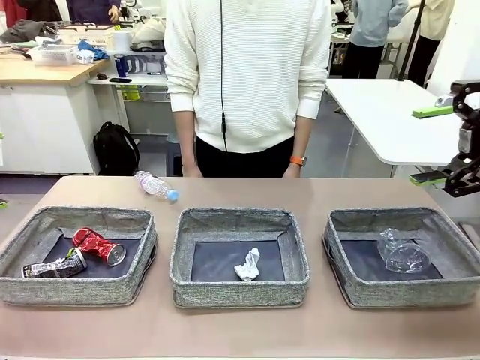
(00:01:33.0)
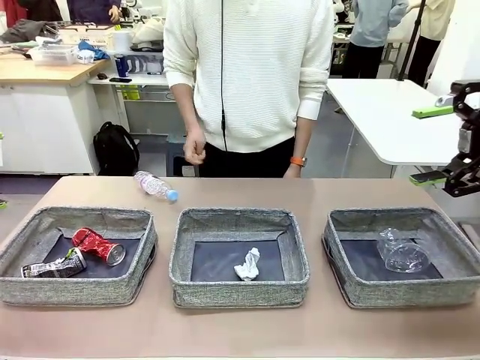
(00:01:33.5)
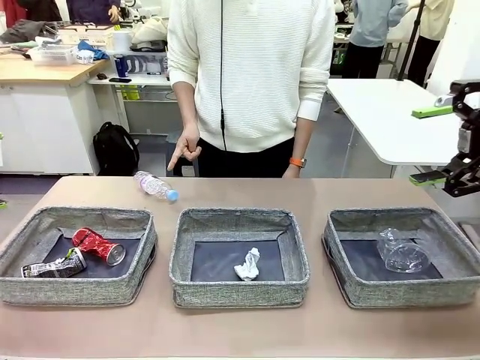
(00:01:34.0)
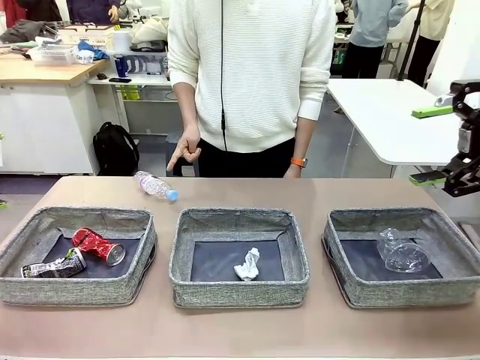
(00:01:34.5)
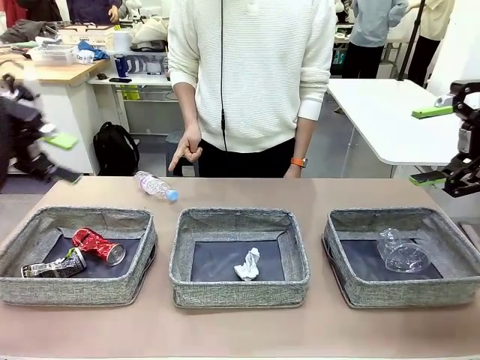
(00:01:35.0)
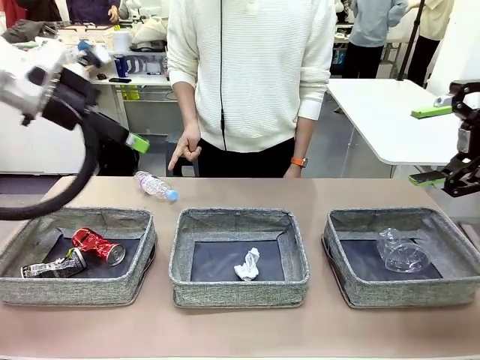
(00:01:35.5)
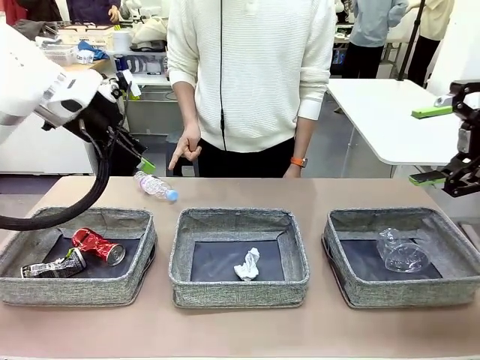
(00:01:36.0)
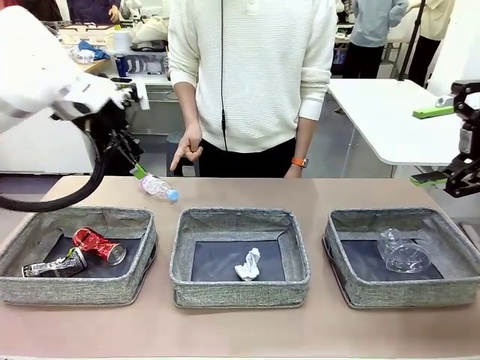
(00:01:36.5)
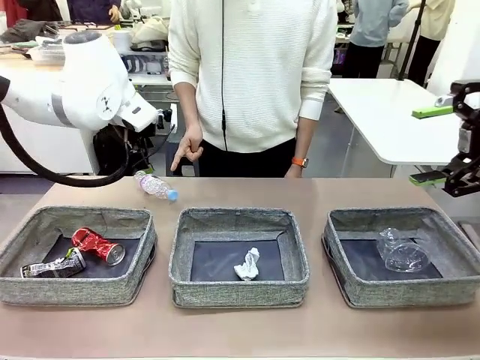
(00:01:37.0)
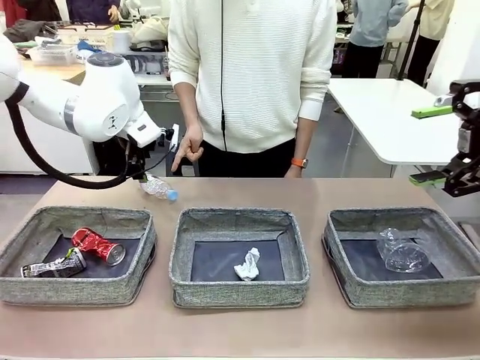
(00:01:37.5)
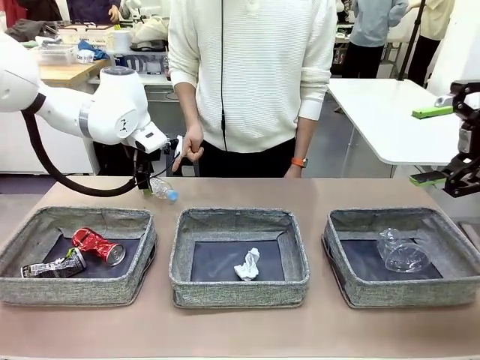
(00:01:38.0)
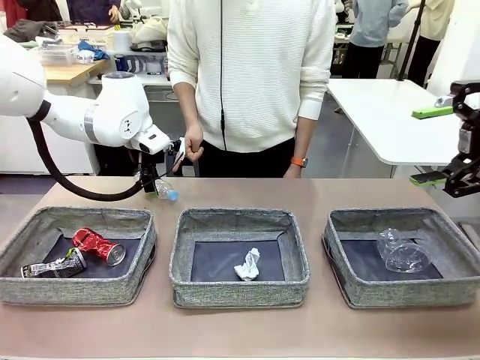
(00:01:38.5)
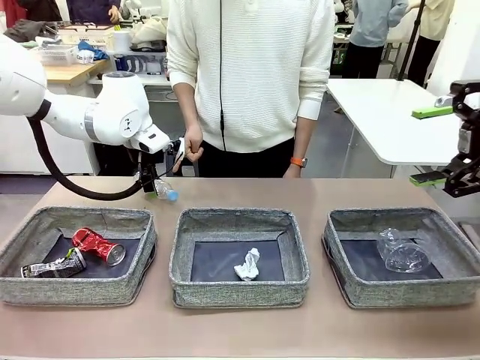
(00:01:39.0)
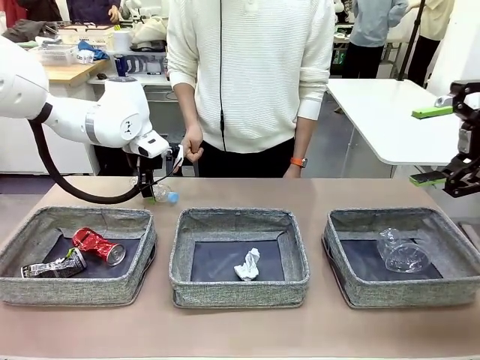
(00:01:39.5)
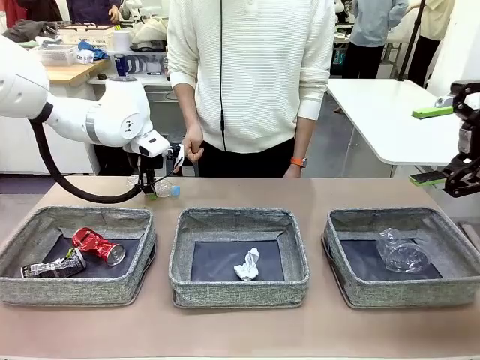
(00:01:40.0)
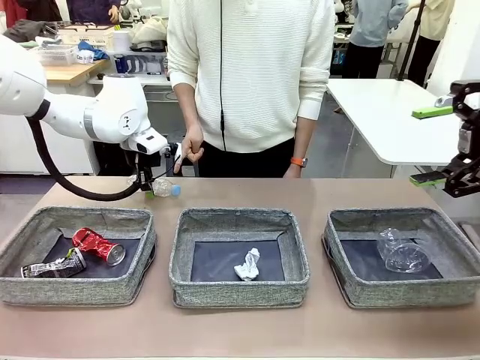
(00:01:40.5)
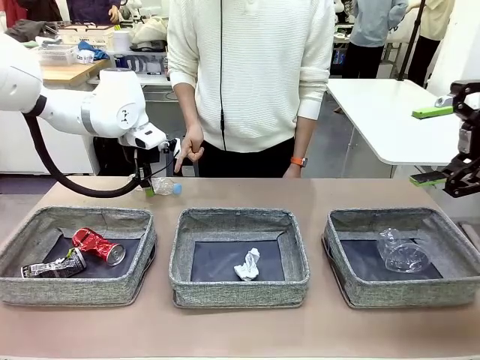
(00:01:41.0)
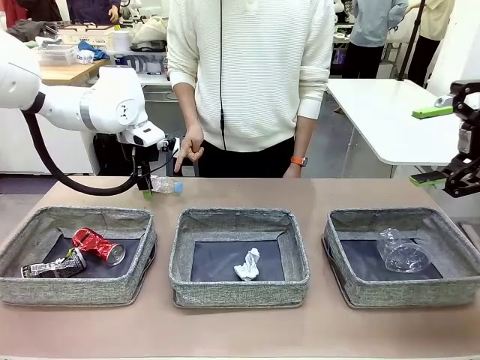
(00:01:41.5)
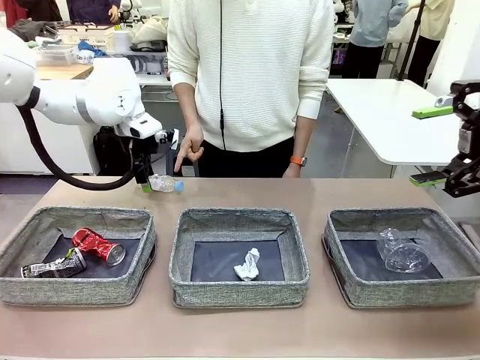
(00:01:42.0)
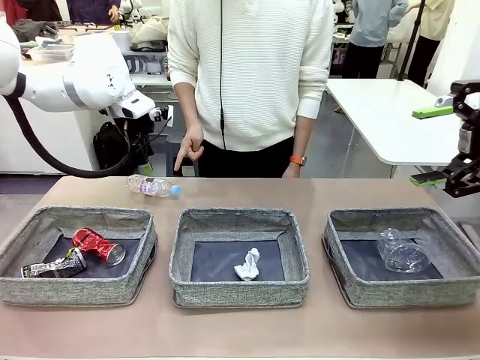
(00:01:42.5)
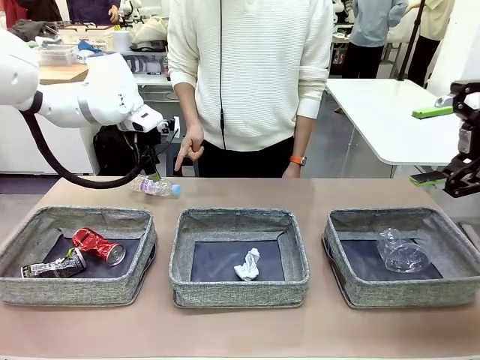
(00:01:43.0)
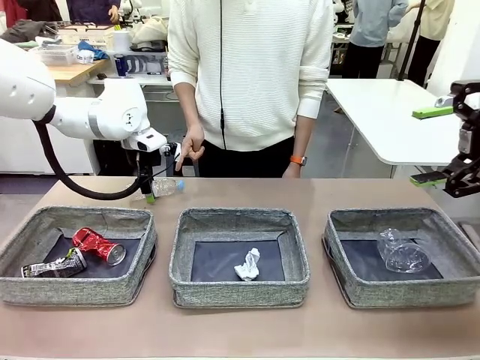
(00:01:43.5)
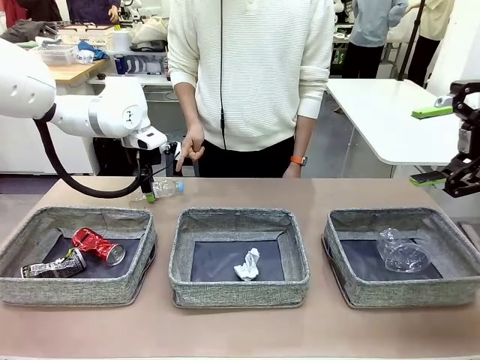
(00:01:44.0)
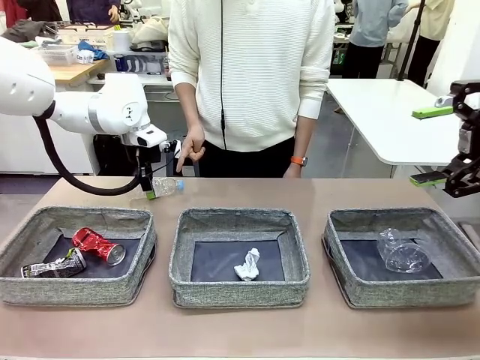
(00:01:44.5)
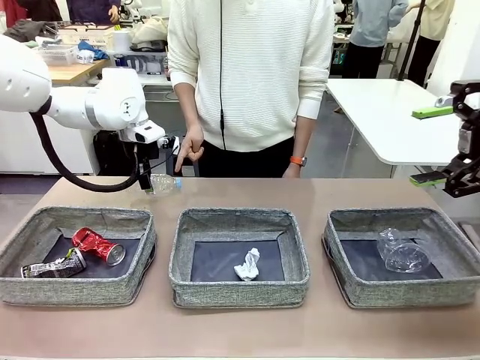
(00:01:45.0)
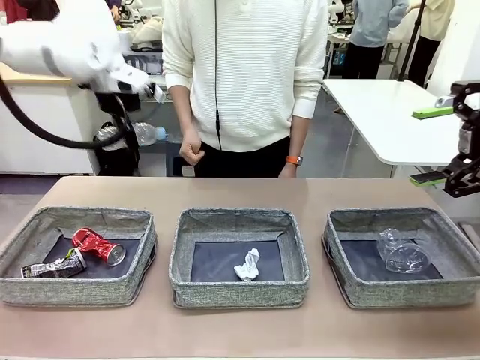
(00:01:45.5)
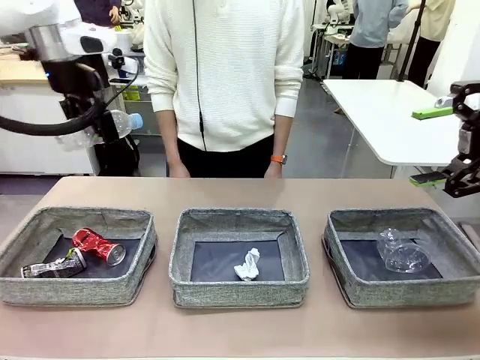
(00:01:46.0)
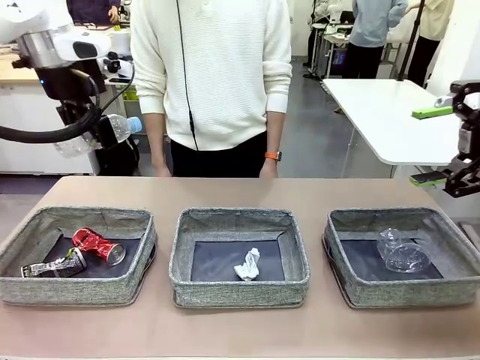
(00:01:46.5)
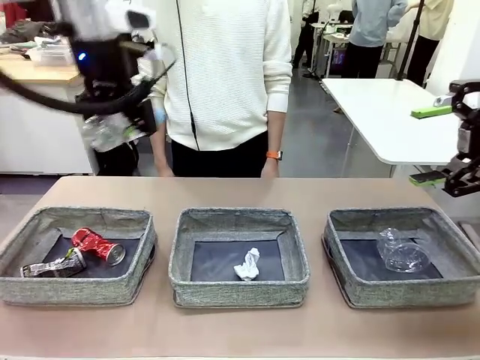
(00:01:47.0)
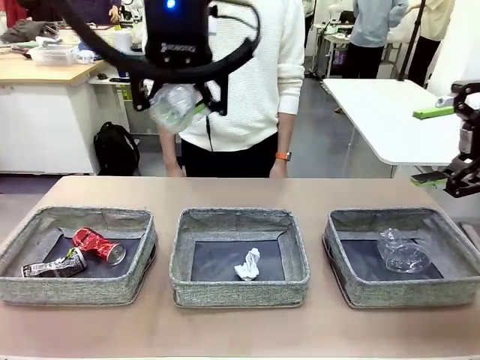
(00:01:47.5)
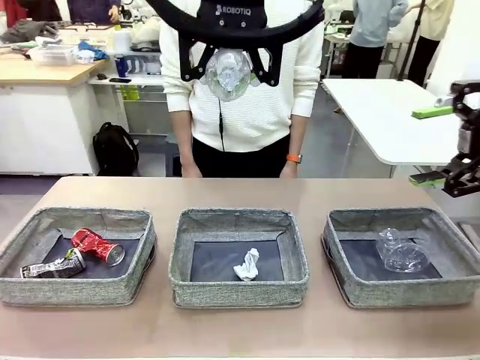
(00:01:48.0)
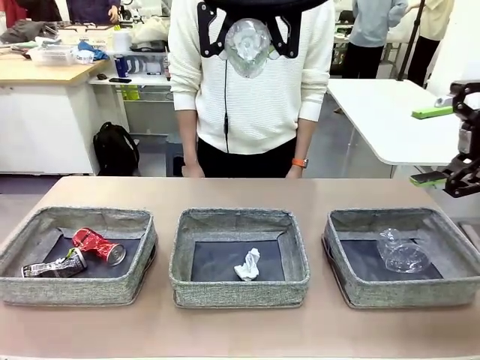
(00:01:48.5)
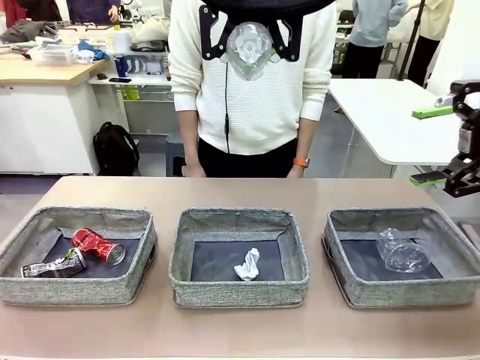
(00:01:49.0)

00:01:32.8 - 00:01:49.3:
Task: Sort the waste into the appropriate baskets.
Robot: Pick up the waste item pointed out by the person.
Person: Points to one piece of trash on the table.

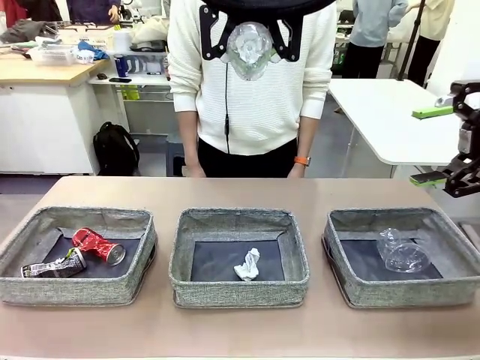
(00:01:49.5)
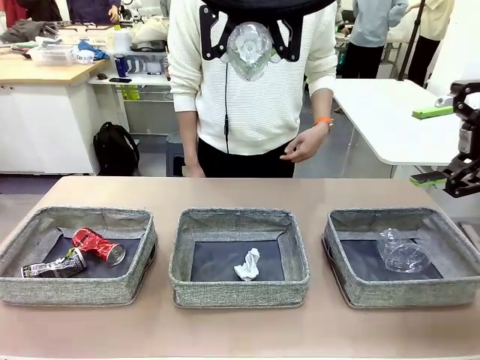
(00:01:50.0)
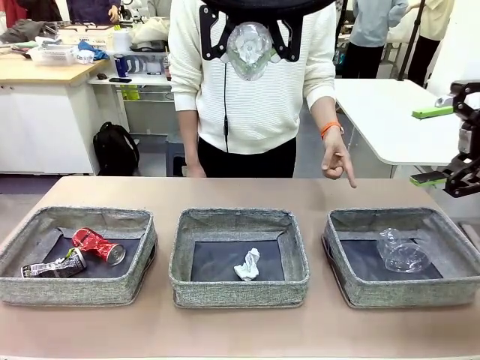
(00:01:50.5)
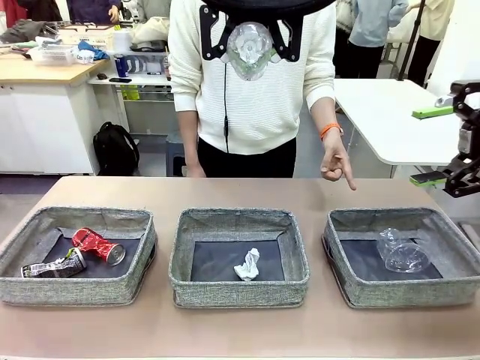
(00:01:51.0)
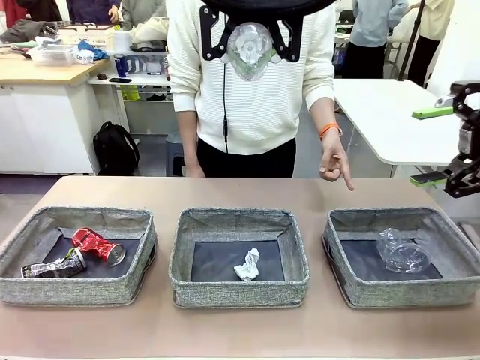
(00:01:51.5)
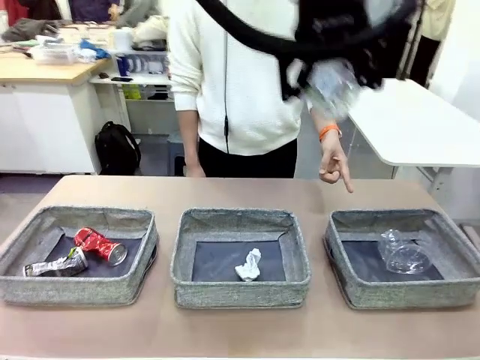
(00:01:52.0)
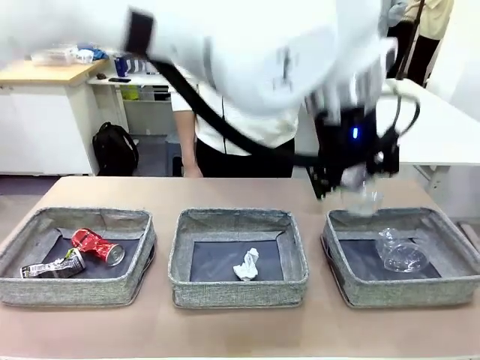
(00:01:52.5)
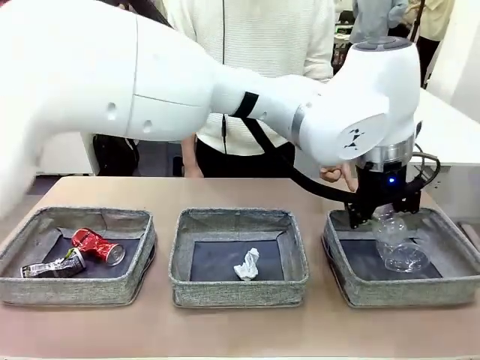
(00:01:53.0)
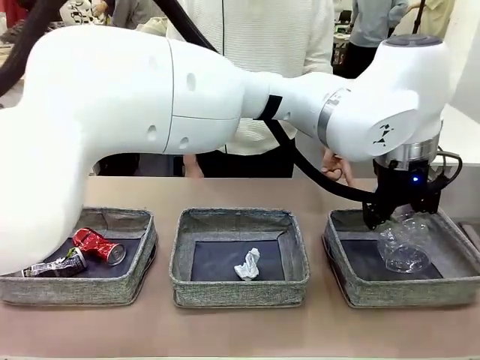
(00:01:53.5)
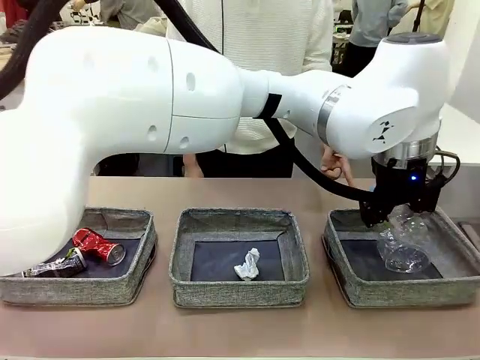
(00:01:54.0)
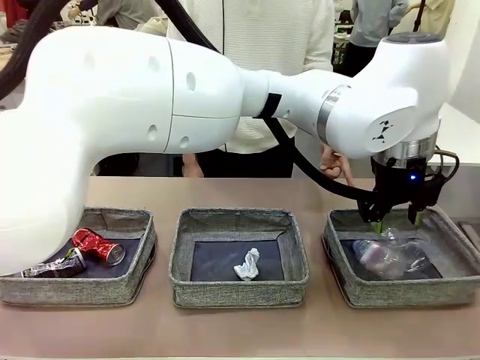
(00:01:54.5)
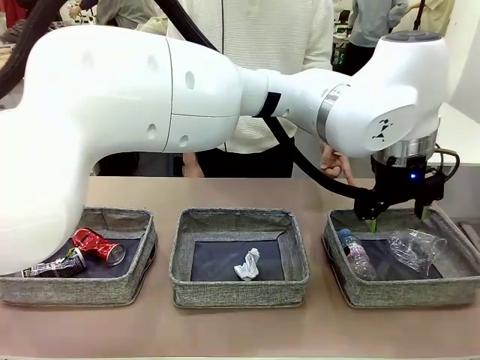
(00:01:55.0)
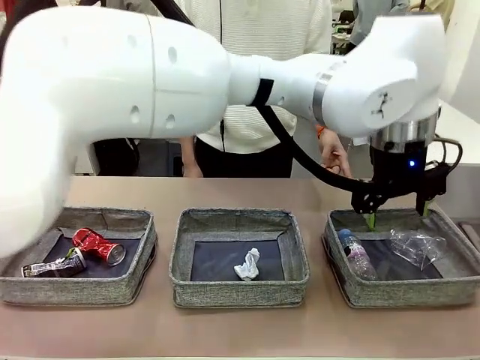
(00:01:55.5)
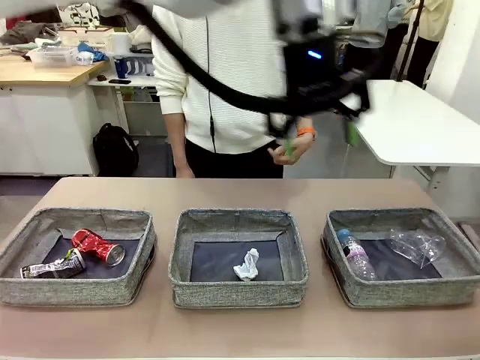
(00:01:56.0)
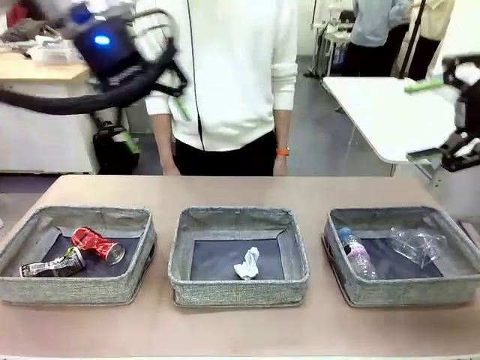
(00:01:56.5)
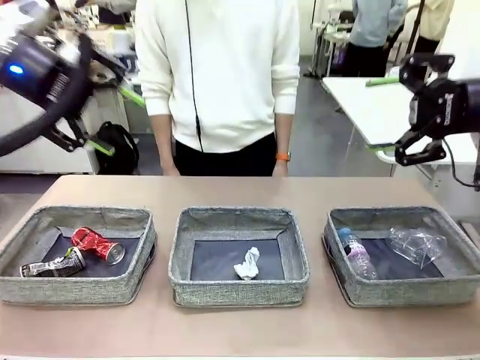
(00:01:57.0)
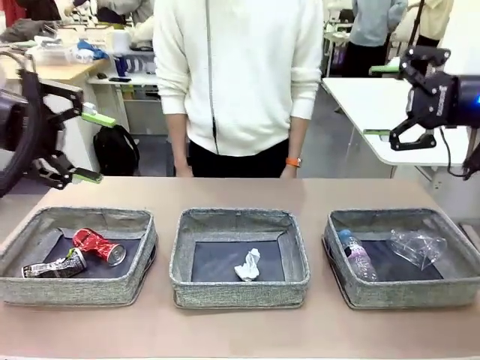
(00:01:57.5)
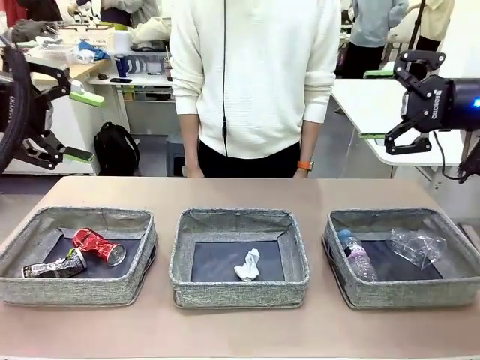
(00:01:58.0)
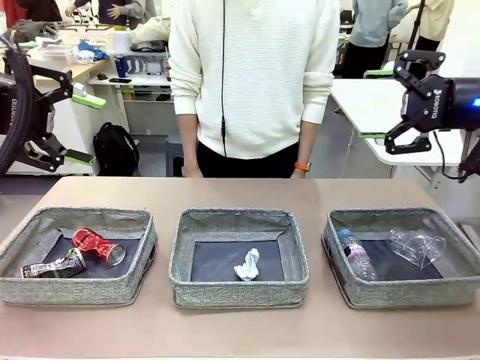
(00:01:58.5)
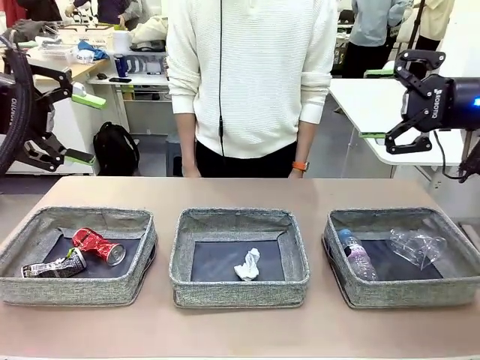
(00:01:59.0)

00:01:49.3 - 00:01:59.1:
Robot: Place the picked waste into the Fabric basket indicated by the person.
Person: Instructs the robot to place the picked-up trash into the appropriate organizing basket.
